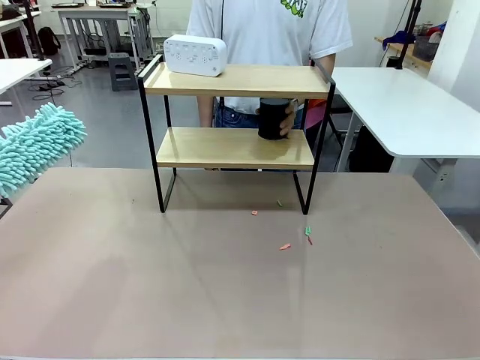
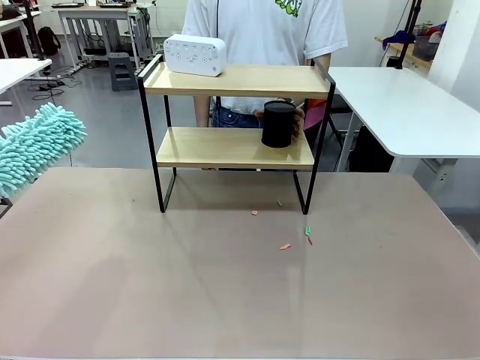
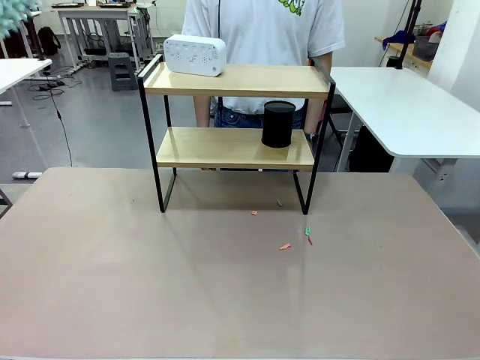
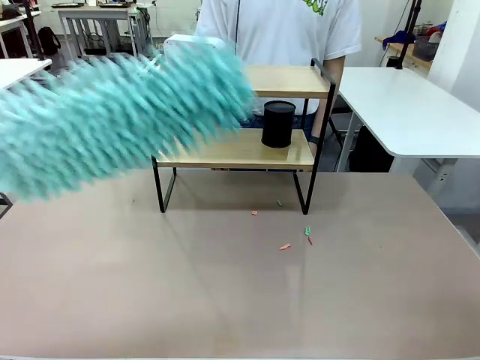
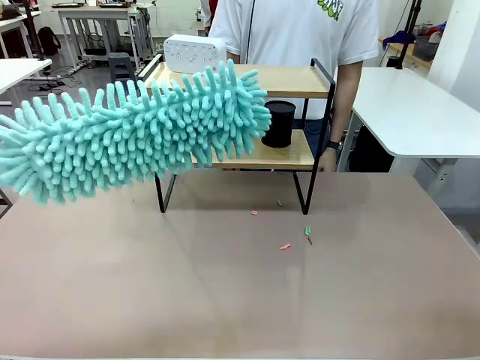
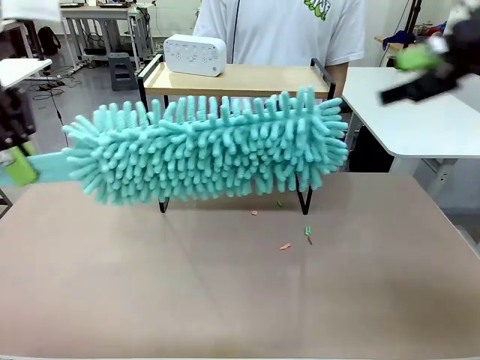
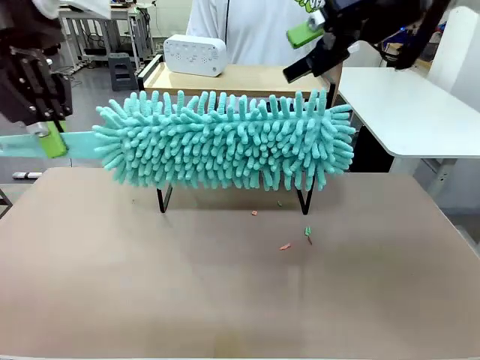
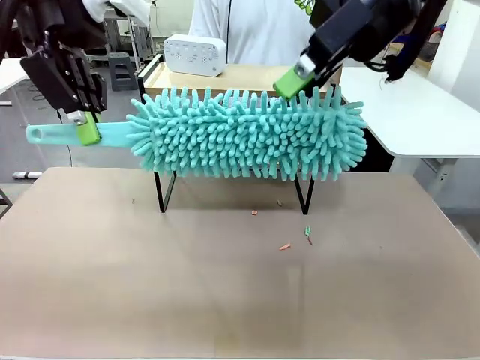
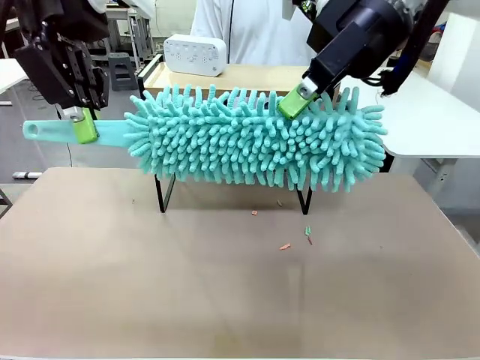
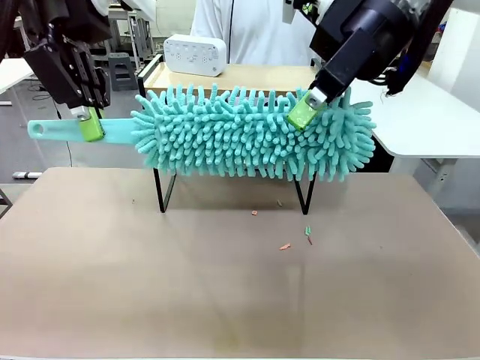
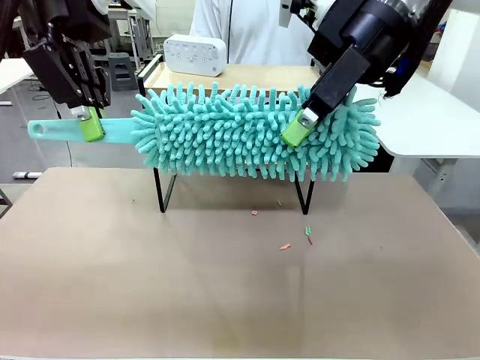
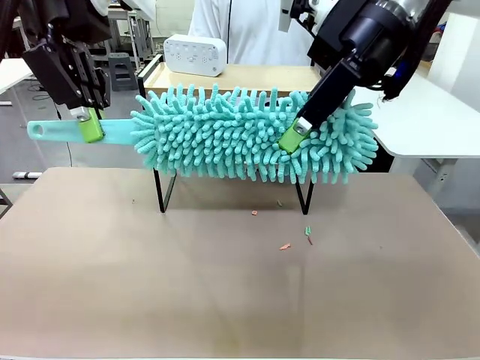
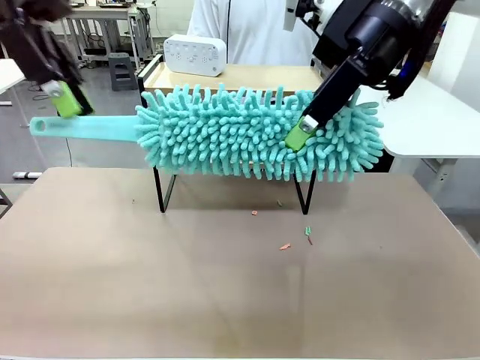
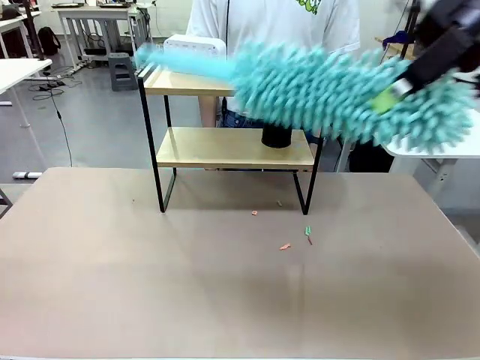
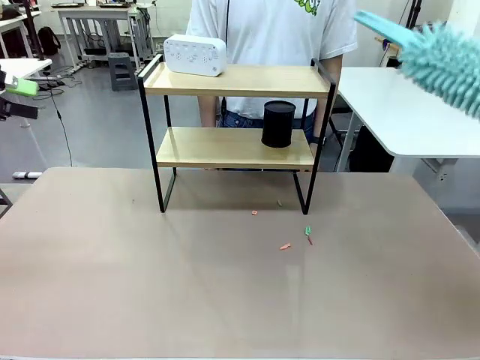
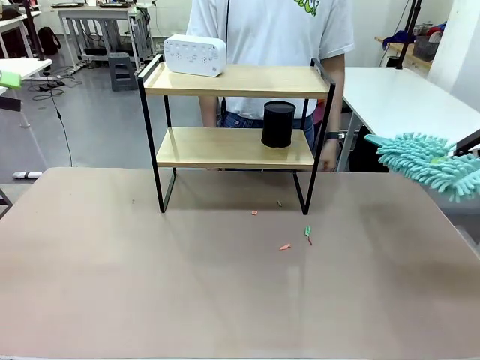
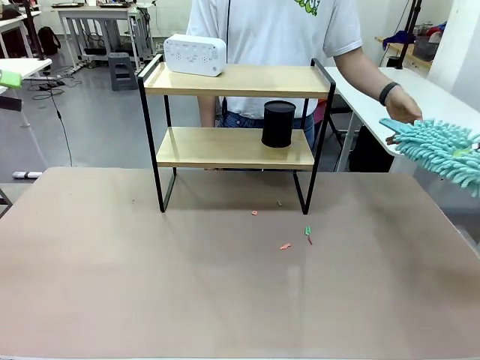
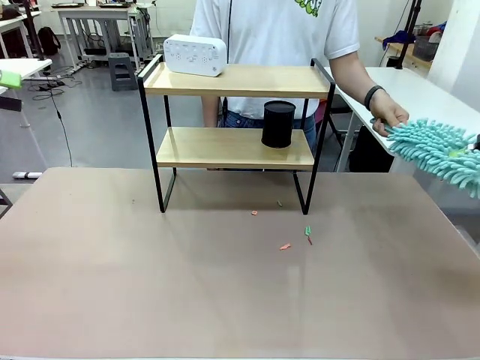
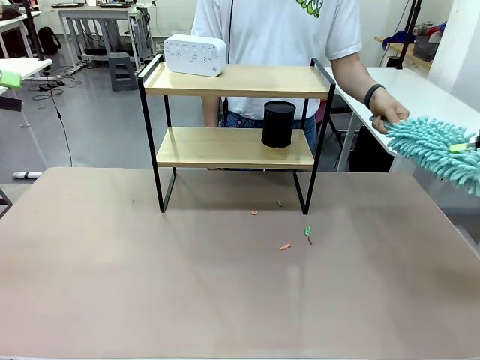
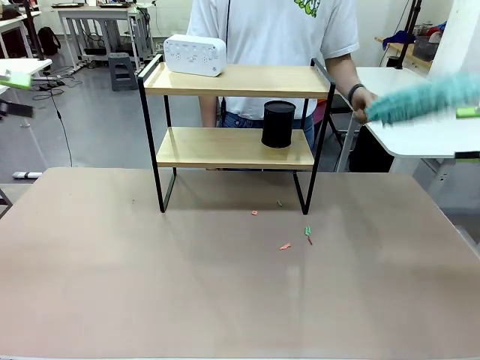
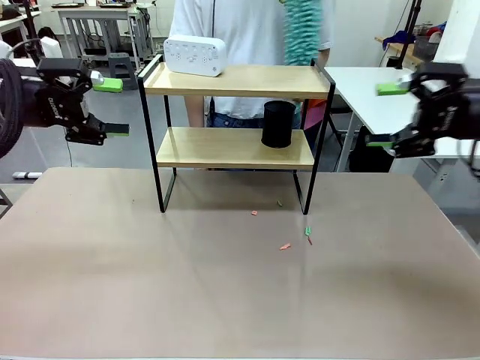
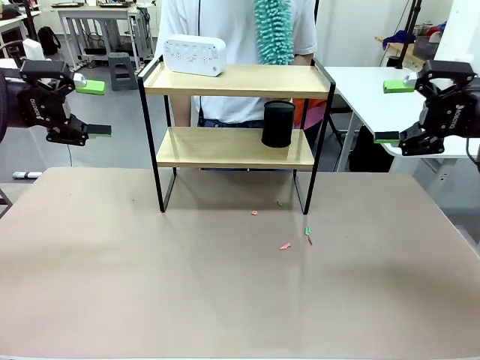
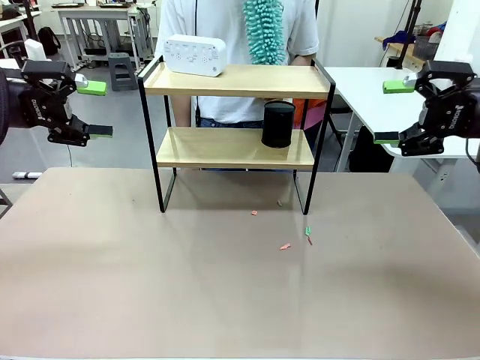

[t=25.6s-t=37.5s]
Task: Clean the shelf.
Robot: Hand the Duster back to the human.
Person: Receive the Duster from the robot.

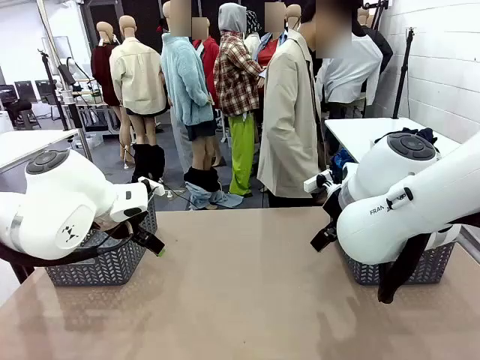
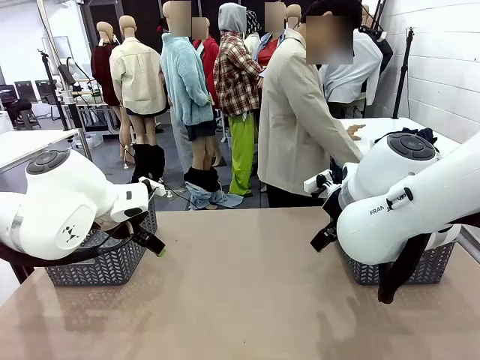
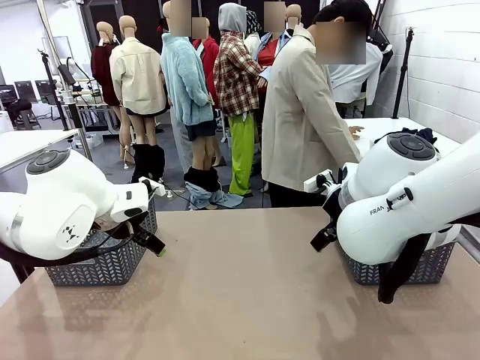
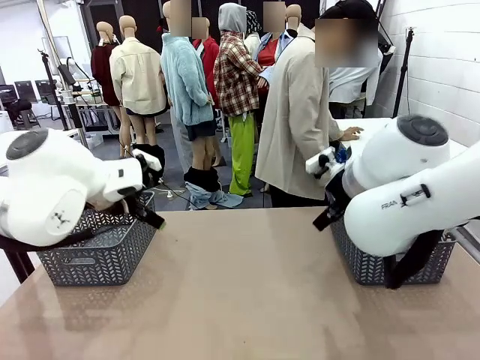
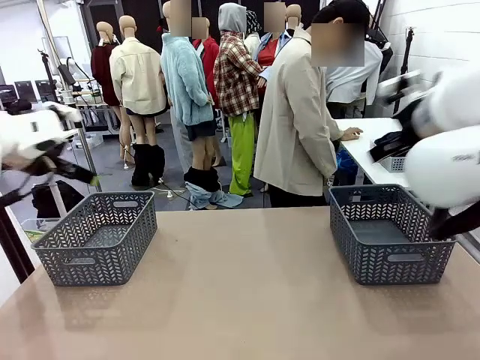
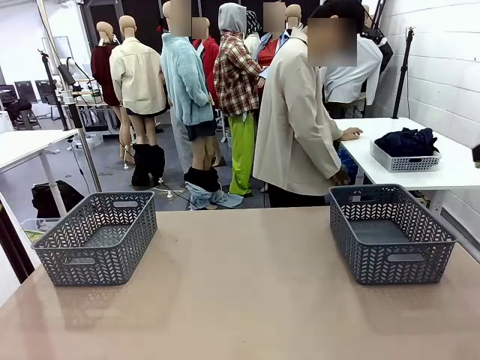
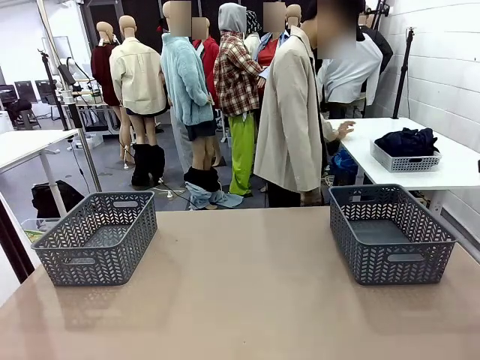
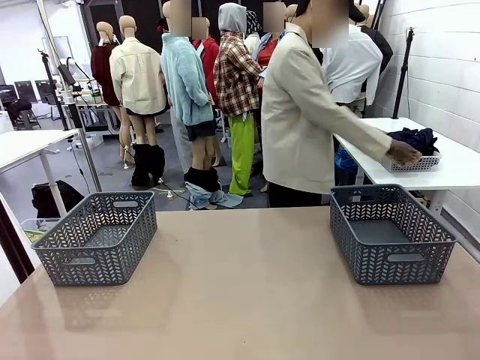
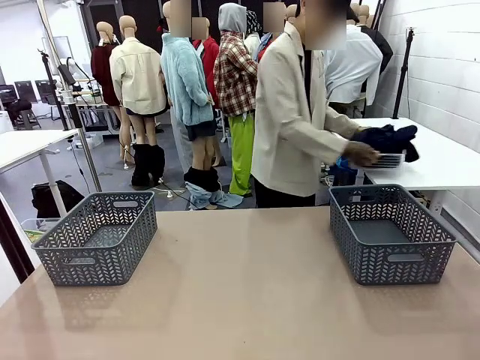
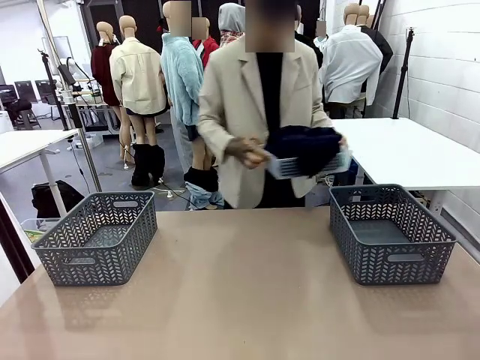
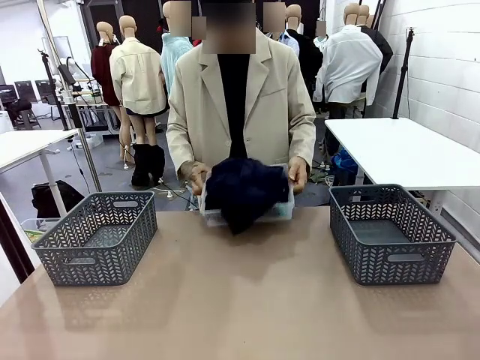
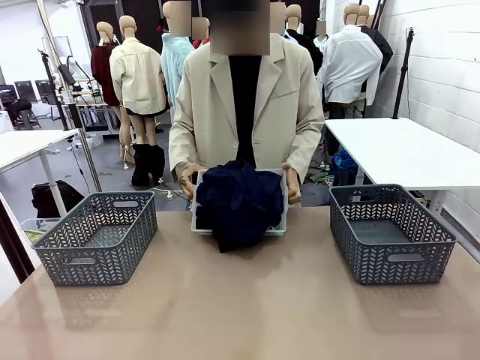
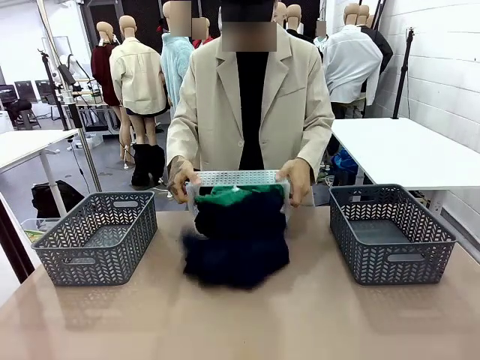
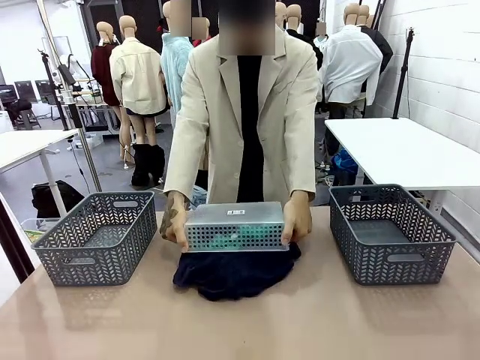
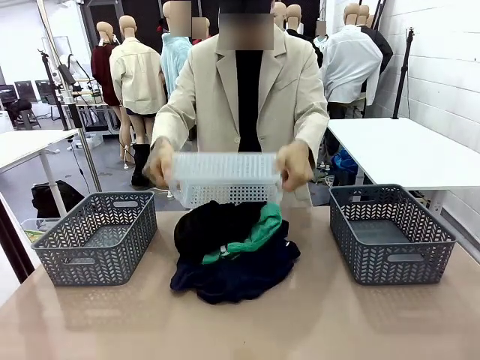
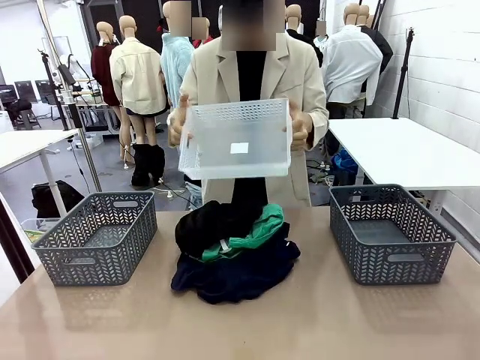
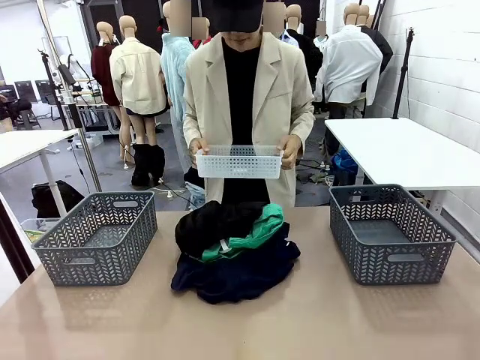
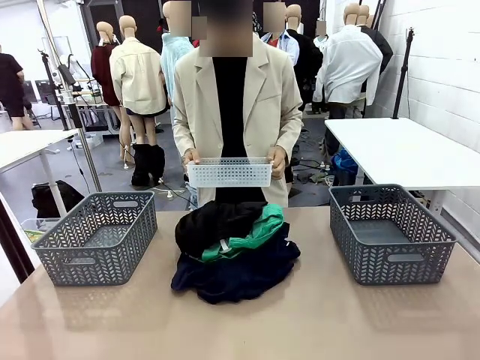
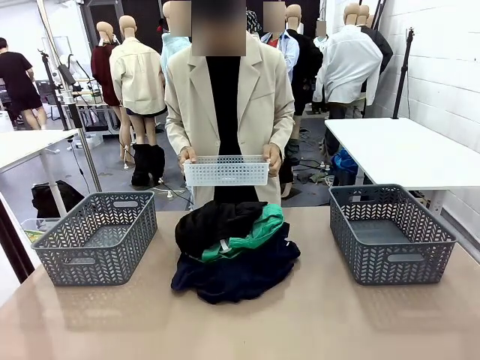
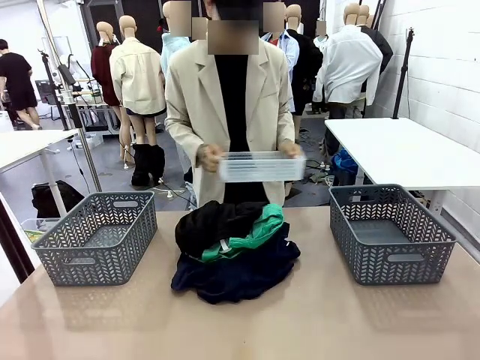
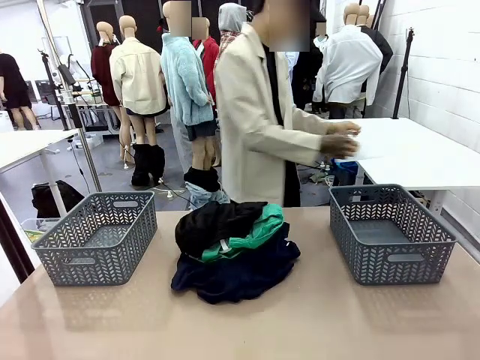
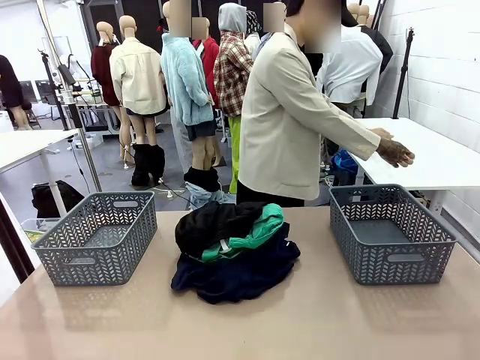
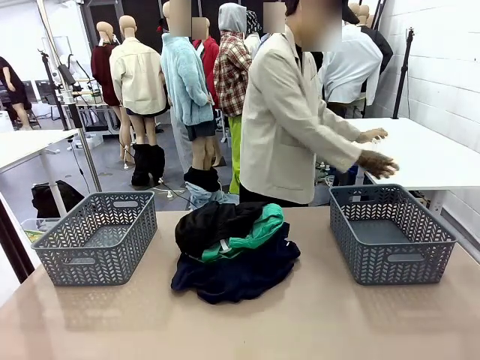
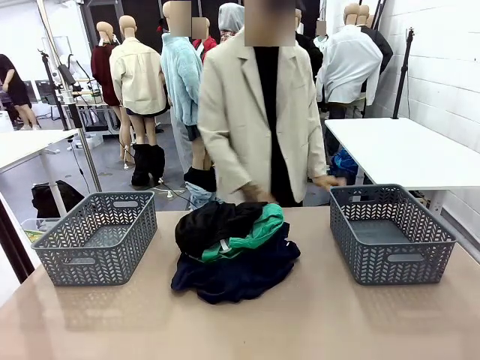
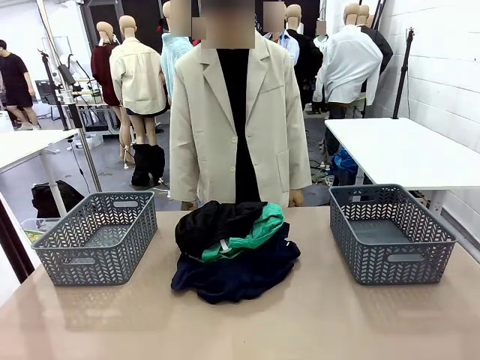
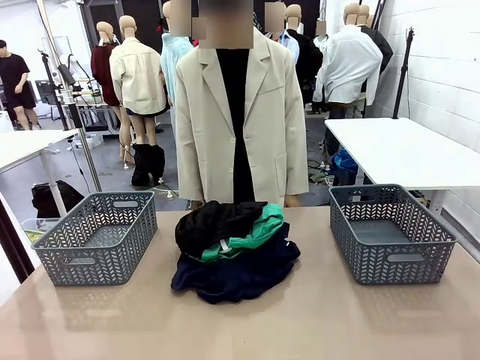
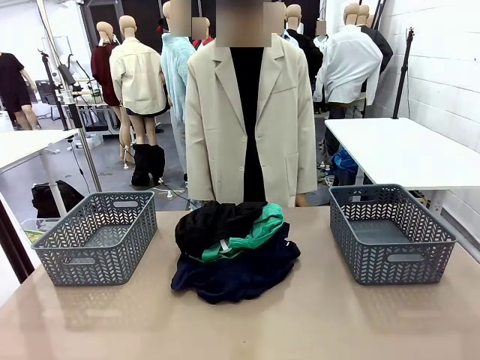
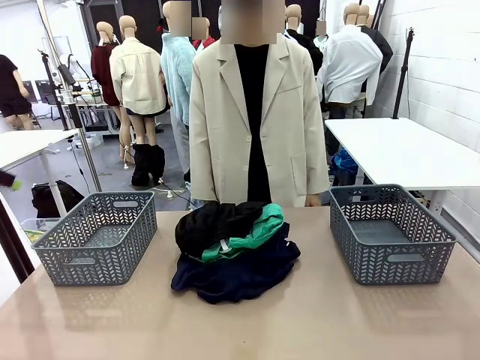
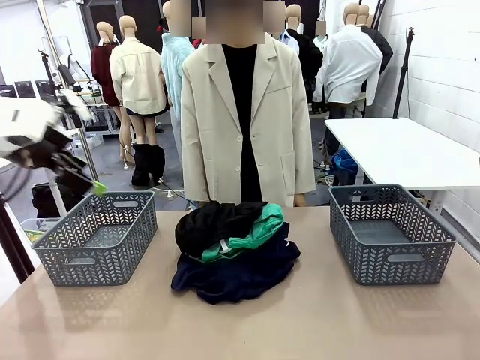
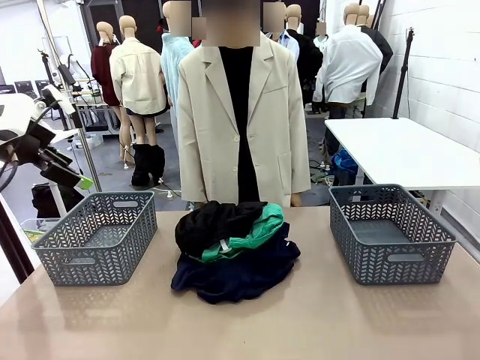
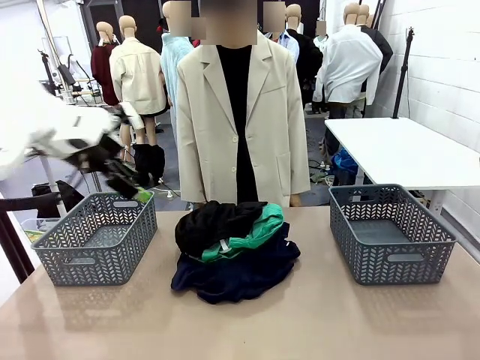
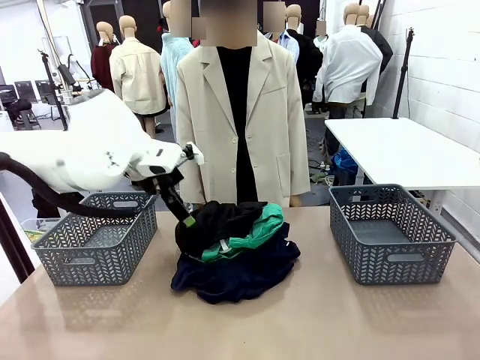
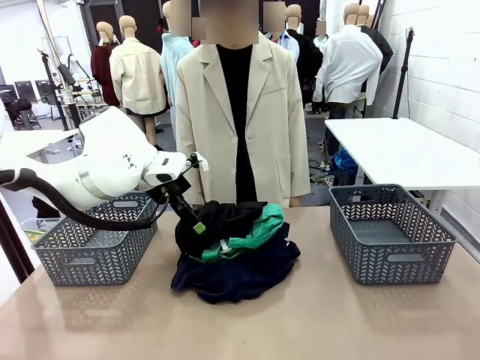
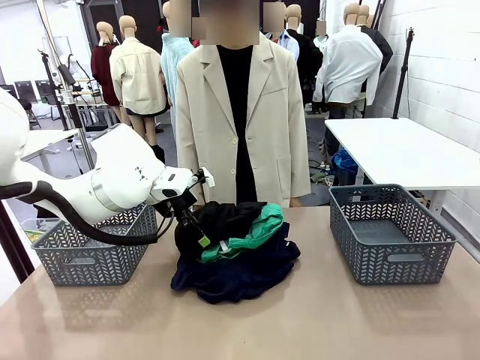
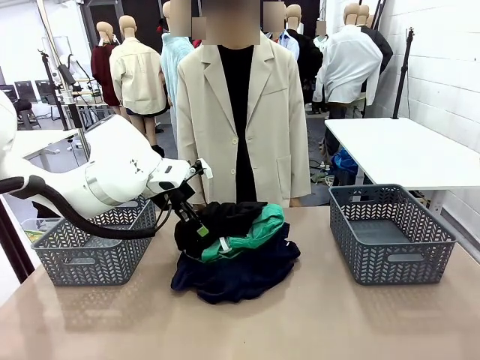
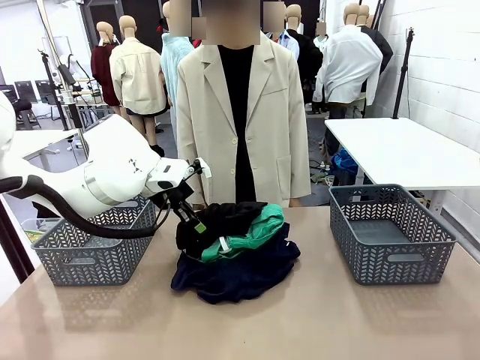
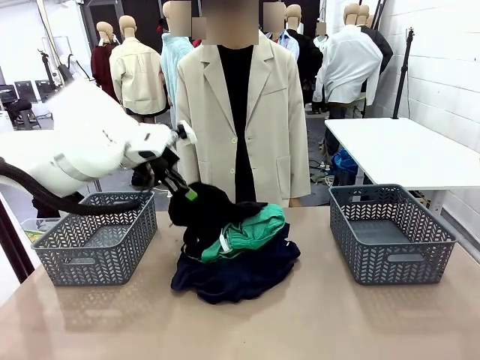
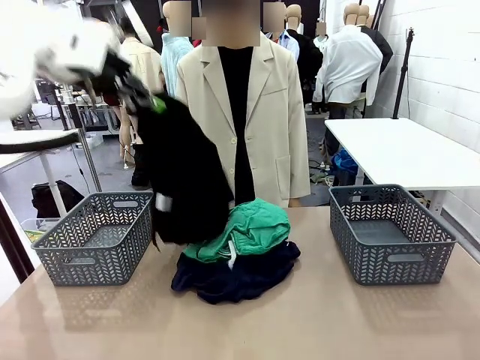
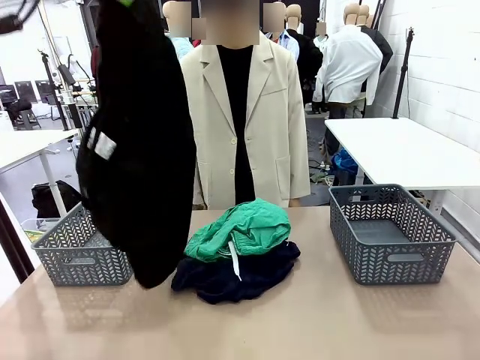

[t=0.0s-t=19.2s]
Task: Sort the tops and bottoms.
Robot: Lift clothes from the center of the table with your left hand.
Person: Pour the clothes from the basket onto the center of the robot table.
